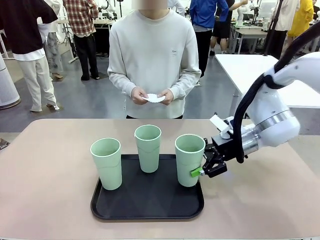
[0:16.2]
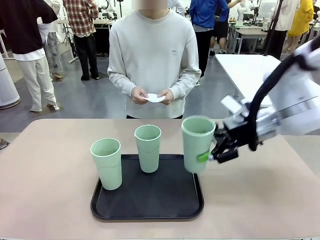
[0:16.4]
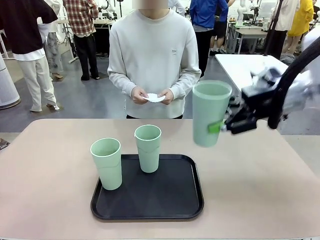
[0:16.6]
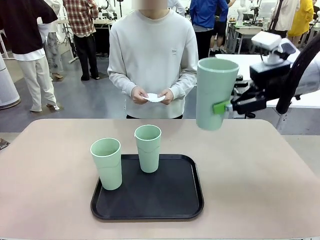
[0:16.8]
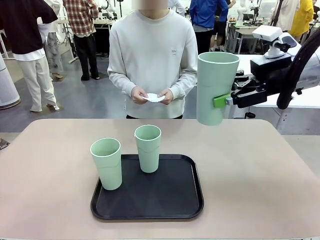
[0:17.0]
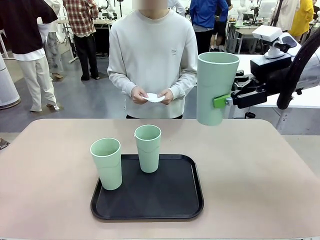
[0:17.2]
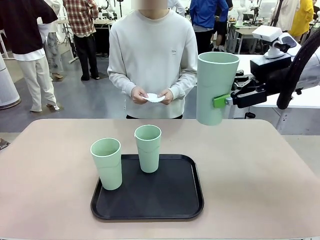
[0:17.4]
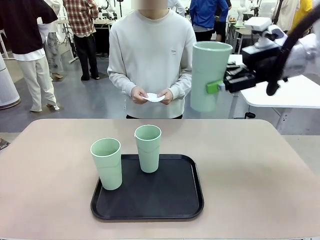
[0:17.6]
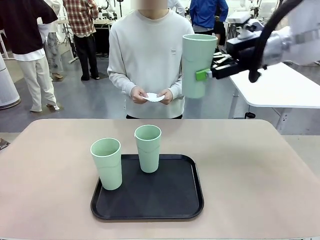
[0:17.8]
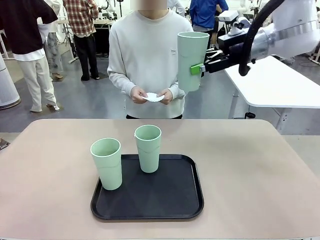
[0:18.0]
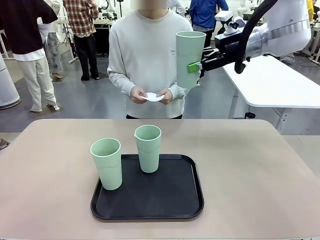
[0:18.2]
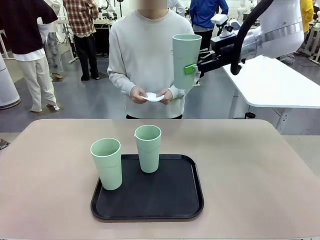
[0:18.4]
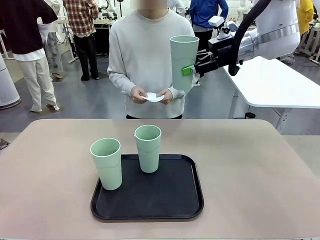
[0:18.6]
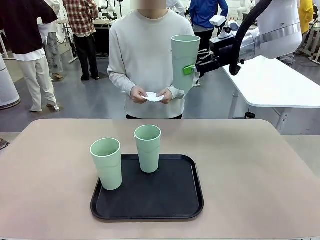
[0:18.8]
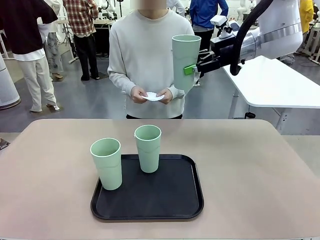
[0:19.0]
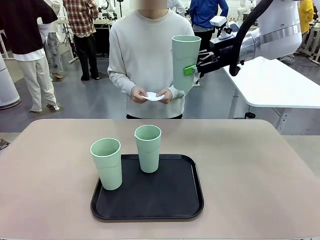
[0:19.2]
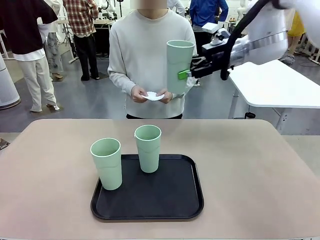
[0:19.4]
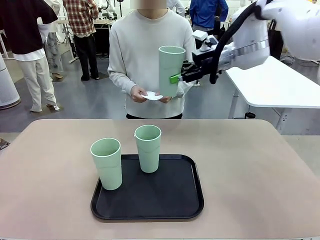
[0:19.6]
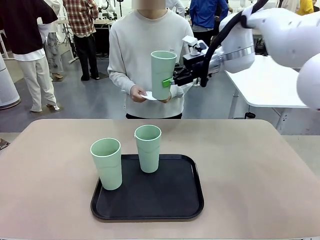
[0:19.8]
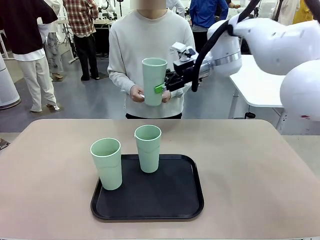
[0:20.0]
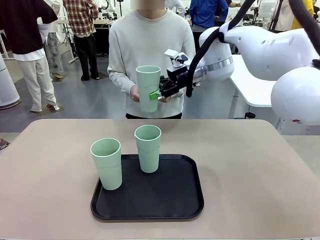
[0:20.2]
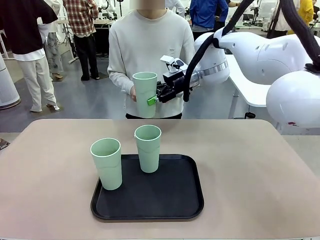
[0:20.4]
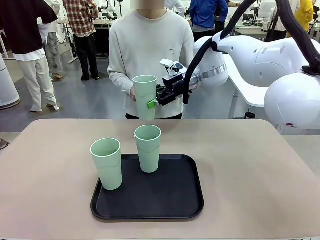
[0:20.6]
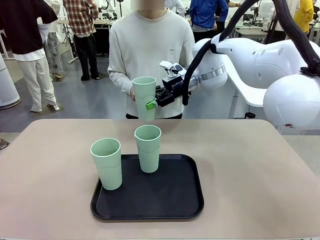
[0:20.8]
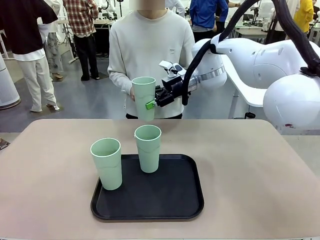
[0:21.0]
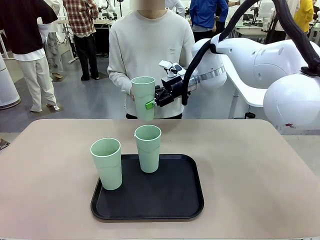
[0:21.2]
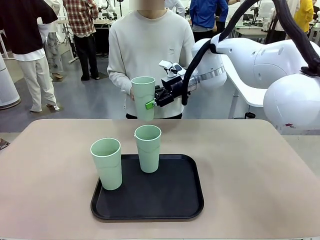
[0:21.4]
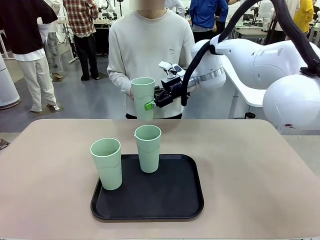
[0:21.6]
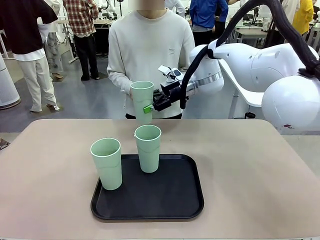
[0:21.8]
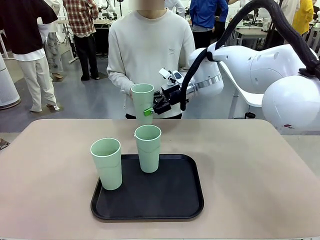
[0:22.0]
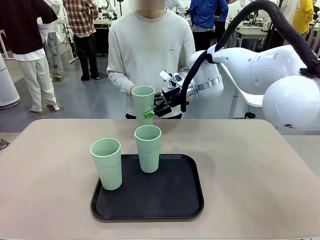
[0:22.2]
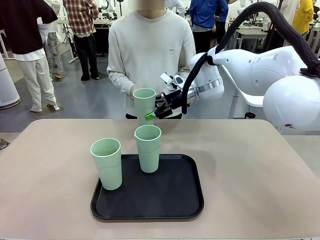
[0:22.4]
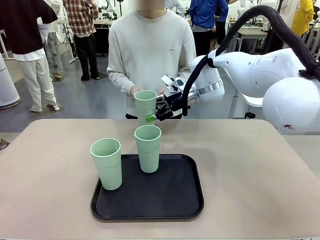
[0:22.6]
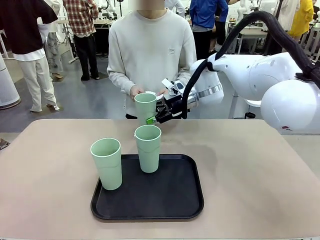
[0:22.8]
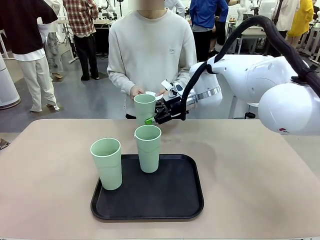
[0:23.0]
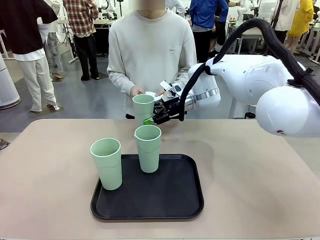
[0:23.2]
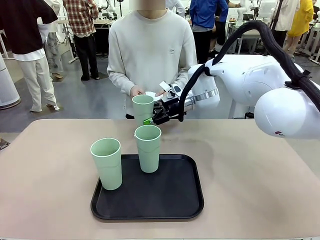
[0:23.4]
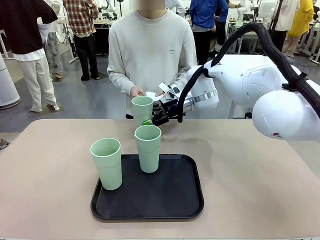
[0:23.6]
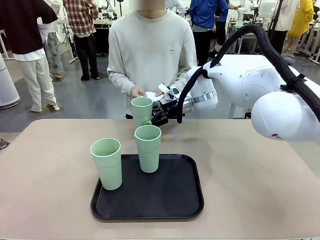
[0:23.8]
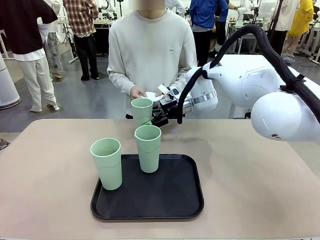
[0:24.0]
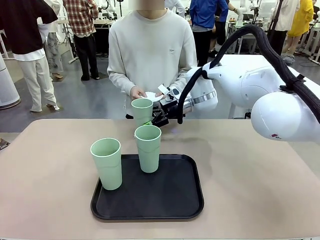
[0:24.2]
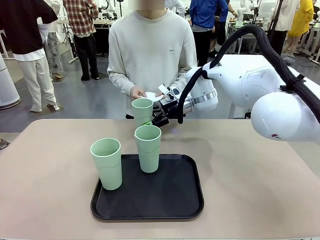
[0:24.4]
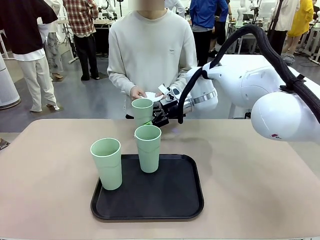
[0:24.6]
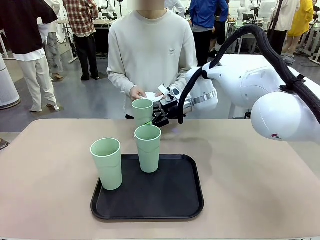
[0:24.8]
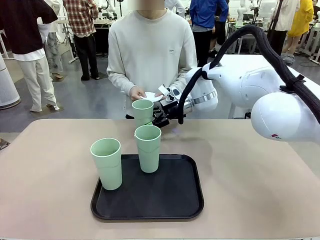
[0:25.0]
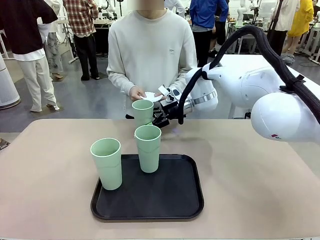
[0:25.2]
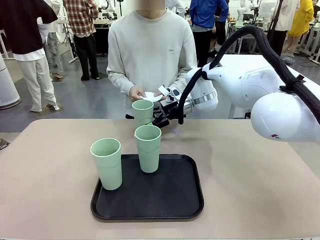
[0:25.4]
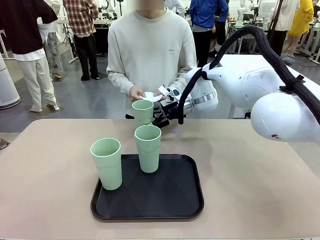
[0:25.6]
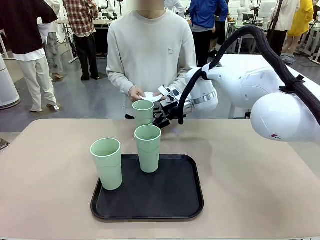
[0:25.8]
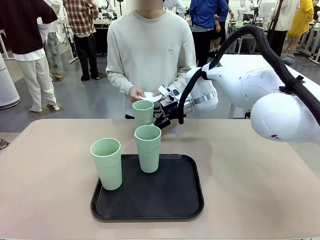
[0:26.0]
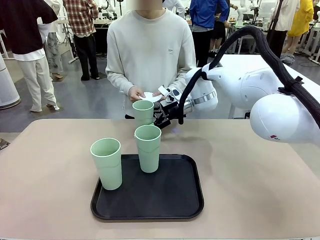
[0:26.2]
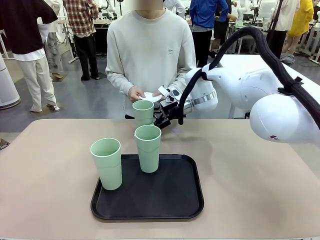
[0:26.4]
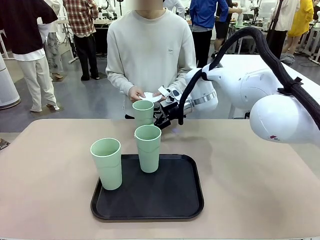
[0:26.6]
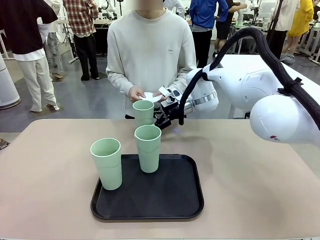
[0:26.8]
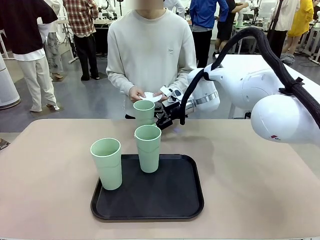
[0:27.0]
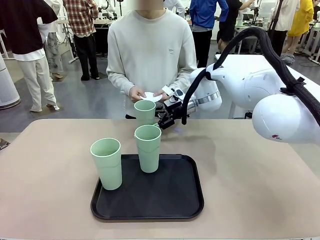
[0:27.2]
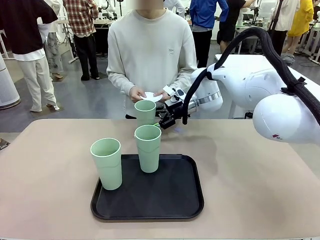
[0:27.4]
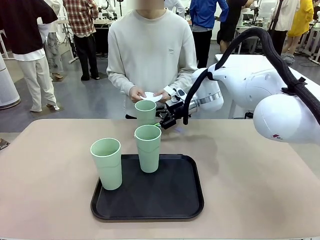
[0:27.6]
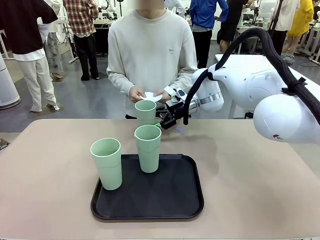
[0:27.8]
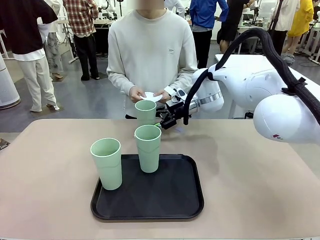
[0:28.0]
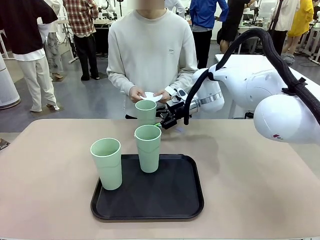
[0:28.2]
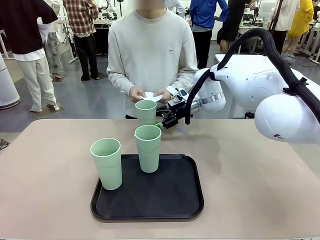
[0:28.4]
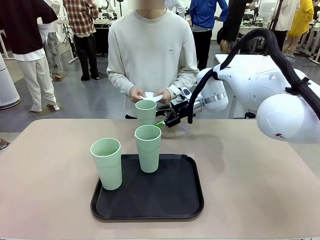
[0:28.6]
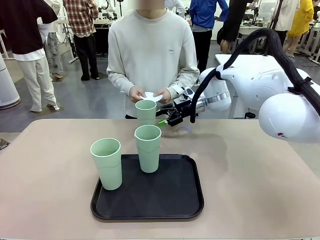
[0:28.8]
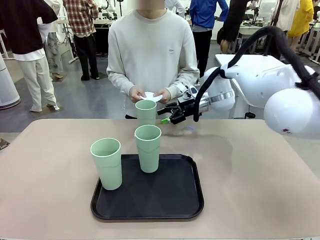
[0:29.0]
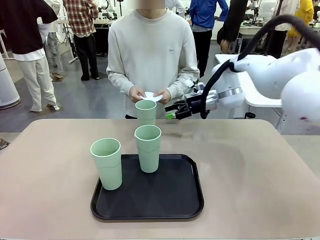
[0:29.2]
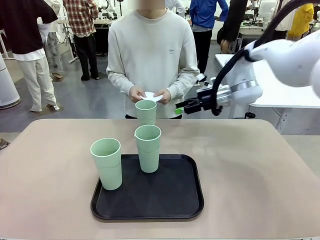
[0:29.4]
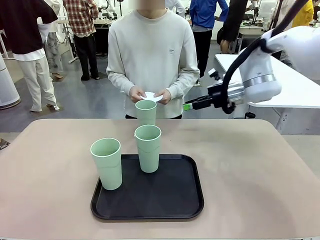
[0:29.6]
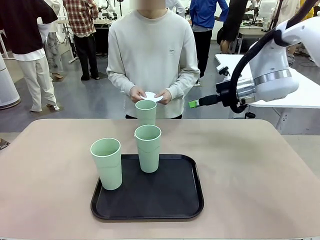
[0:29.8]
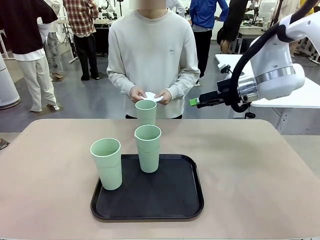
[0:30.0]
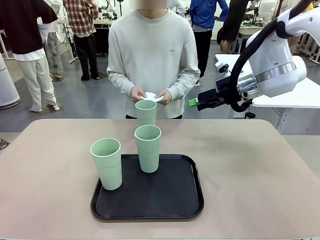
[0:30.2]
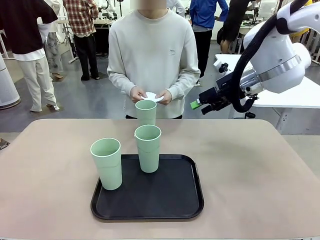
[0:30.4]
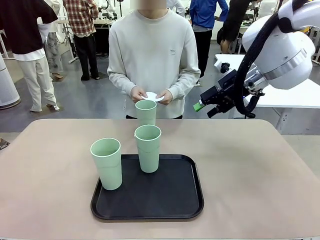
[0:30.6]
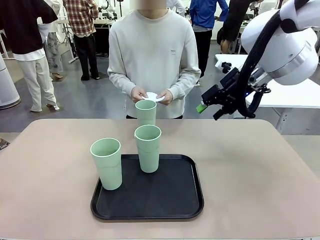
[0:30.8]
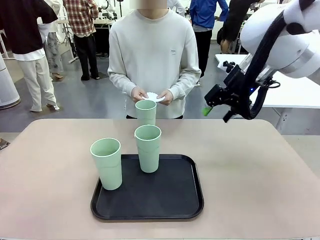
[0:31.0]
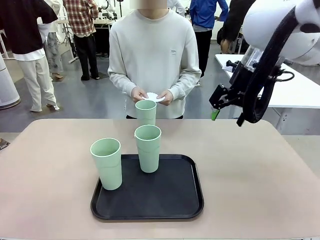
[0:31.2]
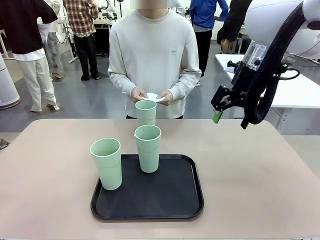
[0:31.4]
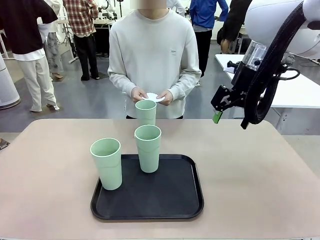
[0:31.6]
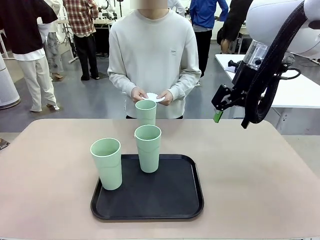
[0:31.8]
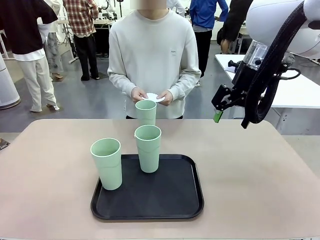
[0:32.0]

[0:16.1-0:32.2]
Task: Place coasters on the table and set cups on them.
Robot: Pick up one Reusable plastic cup and place it on a coaster set by the human.
Person: Place one coaster in one of the two areas excluding the previously selected area.
